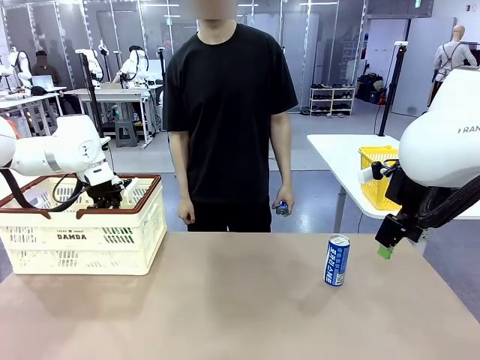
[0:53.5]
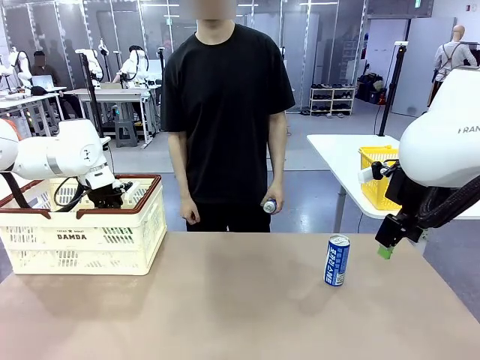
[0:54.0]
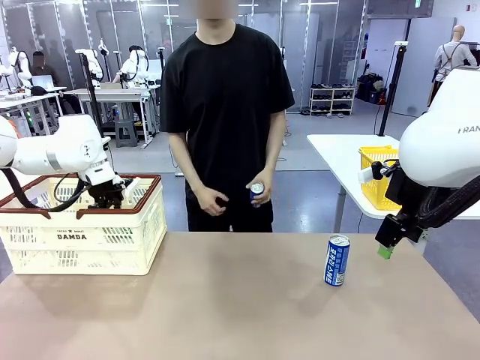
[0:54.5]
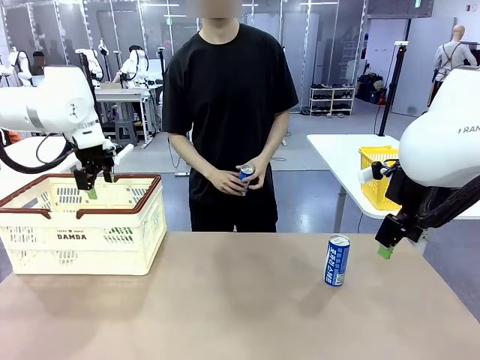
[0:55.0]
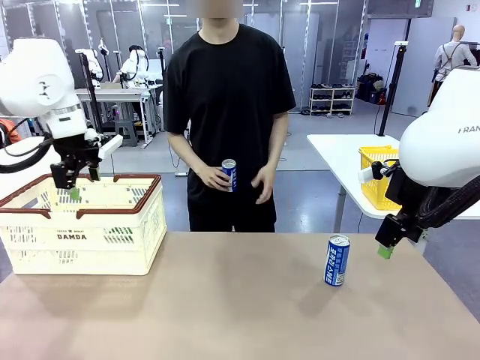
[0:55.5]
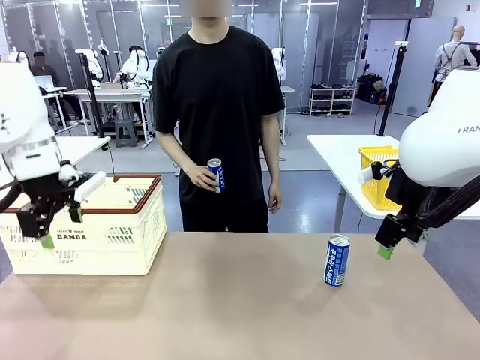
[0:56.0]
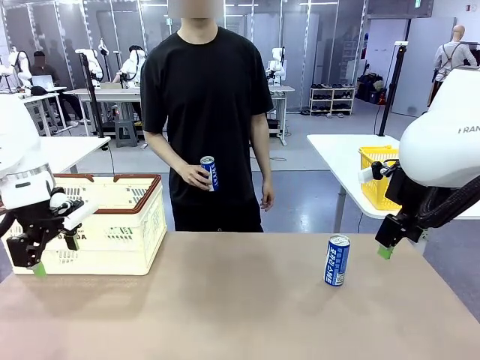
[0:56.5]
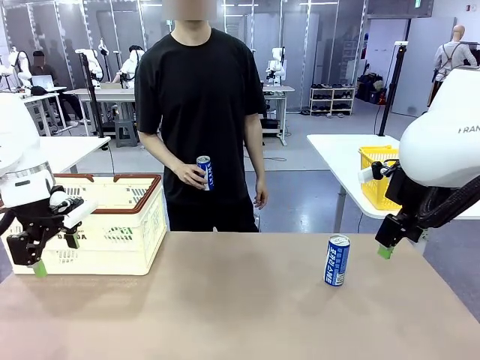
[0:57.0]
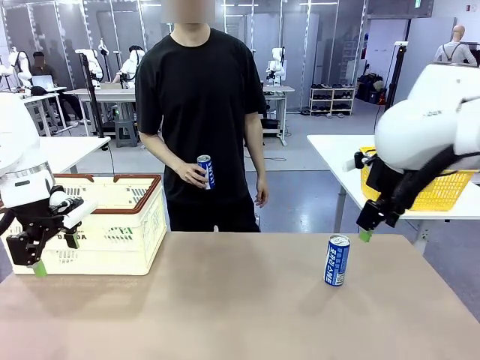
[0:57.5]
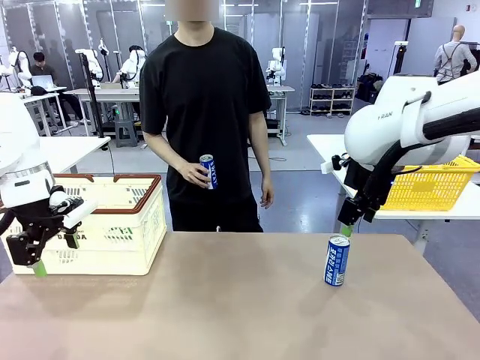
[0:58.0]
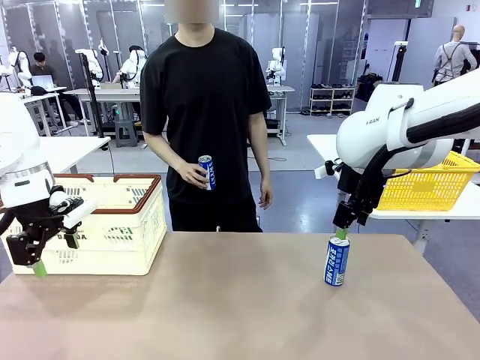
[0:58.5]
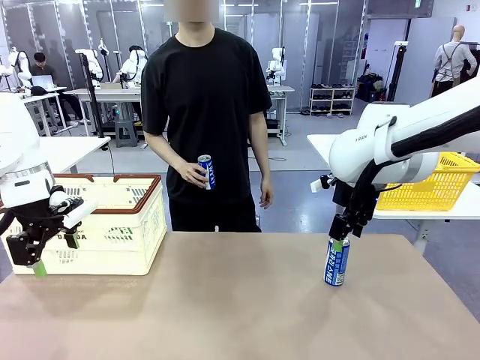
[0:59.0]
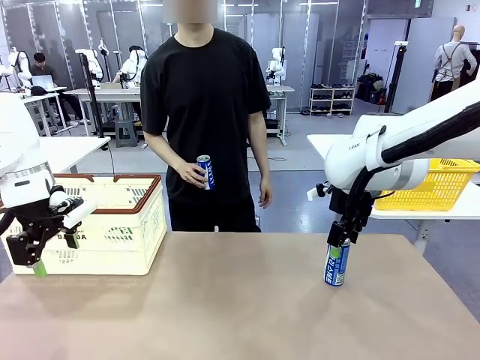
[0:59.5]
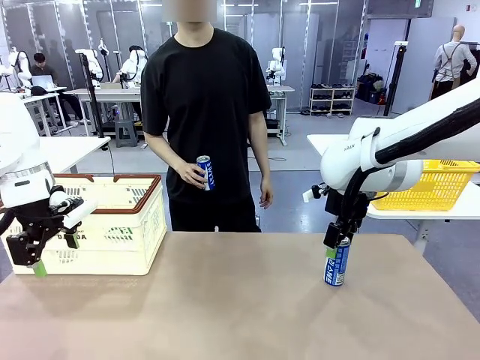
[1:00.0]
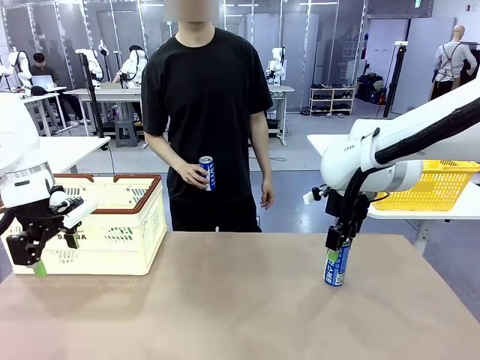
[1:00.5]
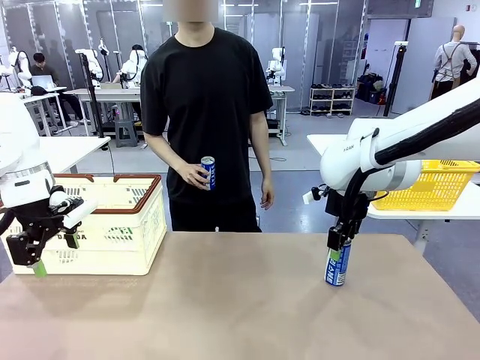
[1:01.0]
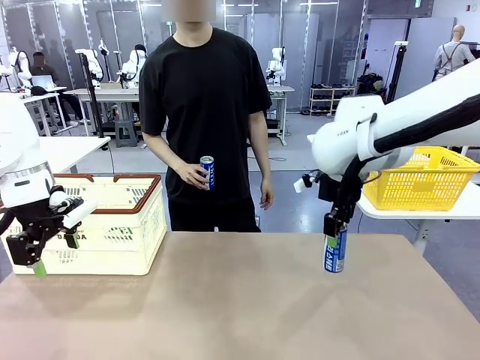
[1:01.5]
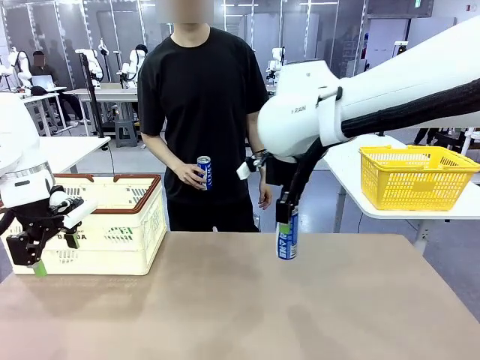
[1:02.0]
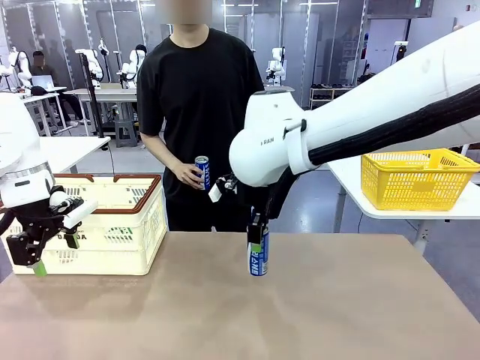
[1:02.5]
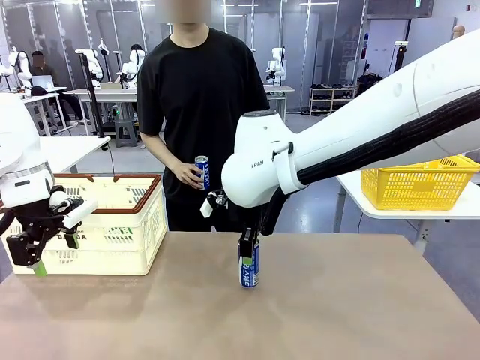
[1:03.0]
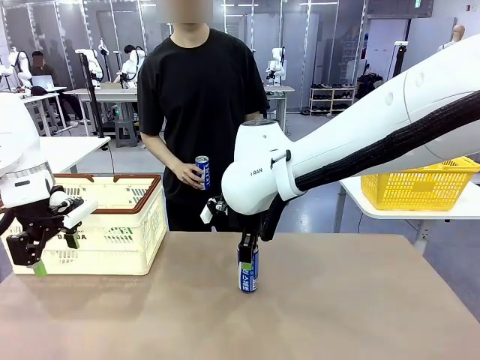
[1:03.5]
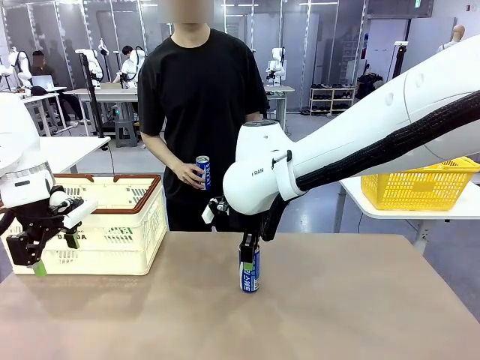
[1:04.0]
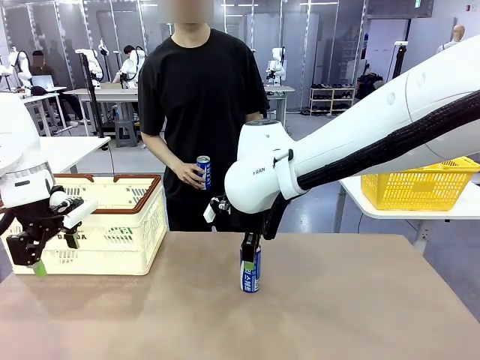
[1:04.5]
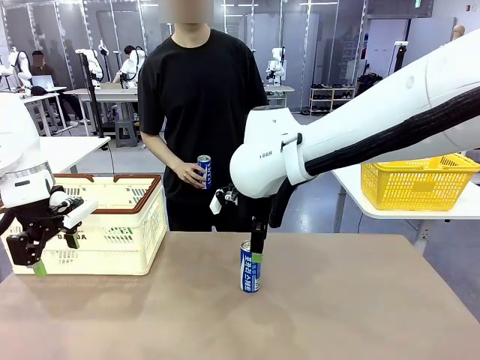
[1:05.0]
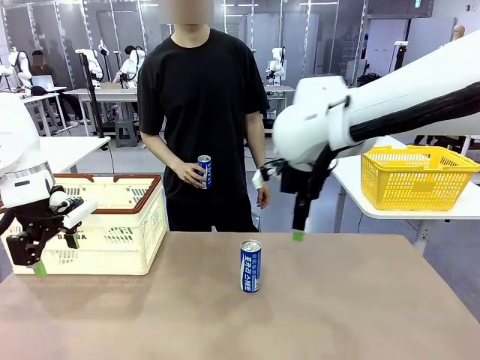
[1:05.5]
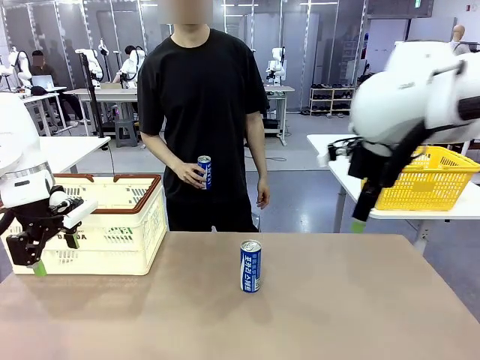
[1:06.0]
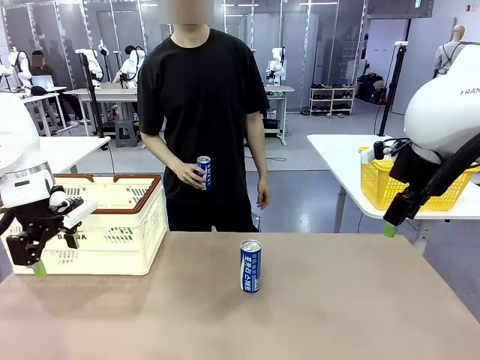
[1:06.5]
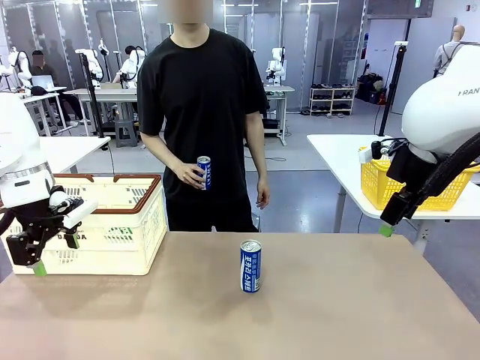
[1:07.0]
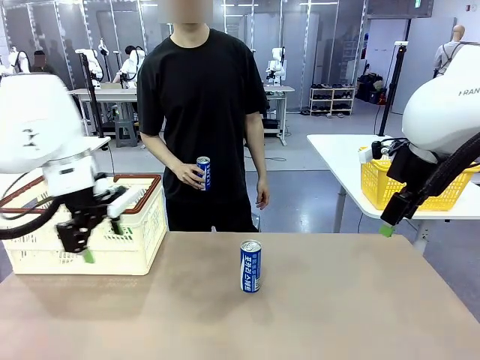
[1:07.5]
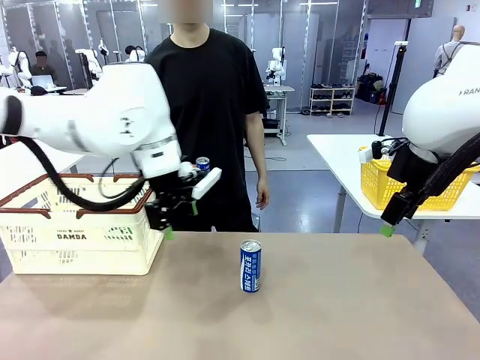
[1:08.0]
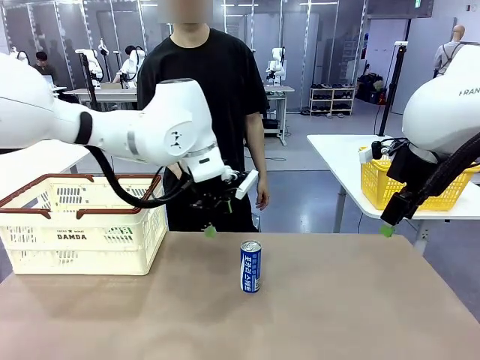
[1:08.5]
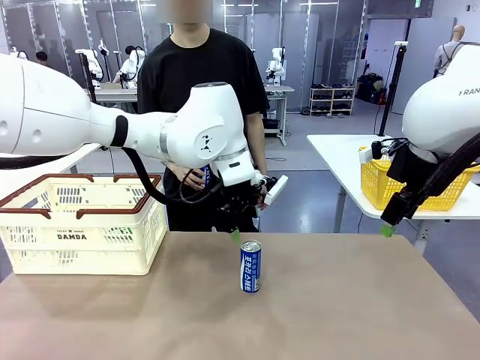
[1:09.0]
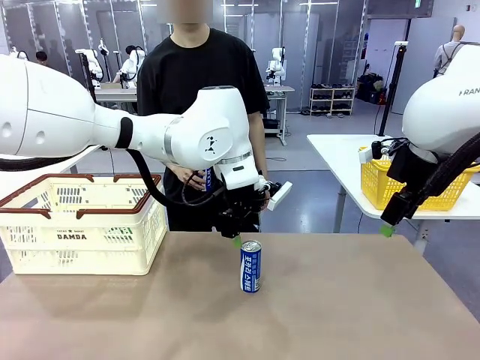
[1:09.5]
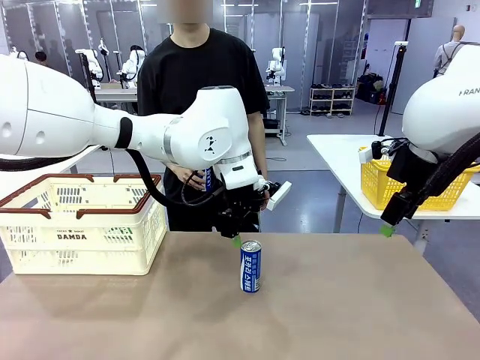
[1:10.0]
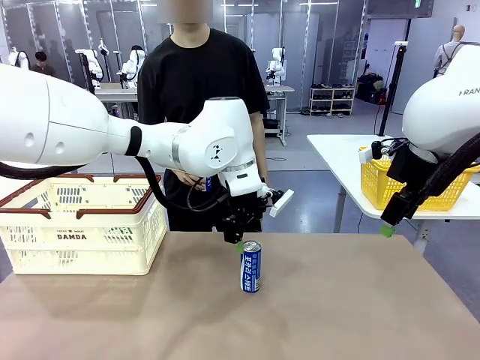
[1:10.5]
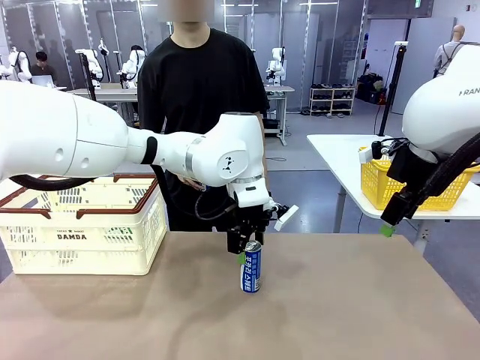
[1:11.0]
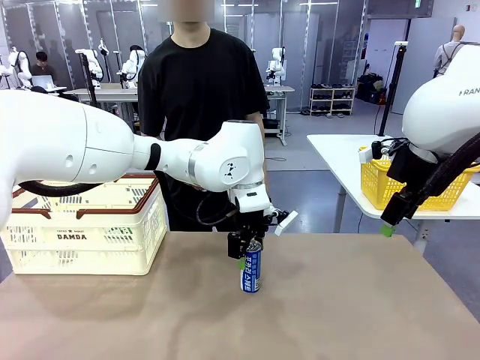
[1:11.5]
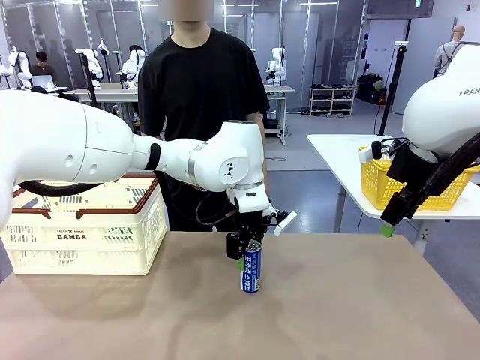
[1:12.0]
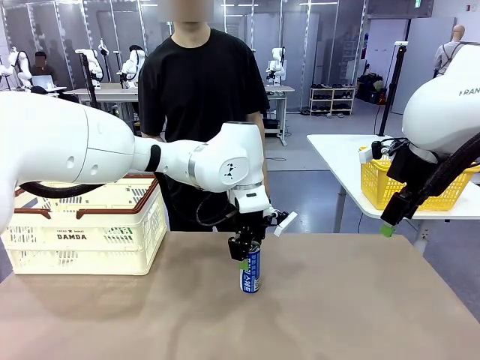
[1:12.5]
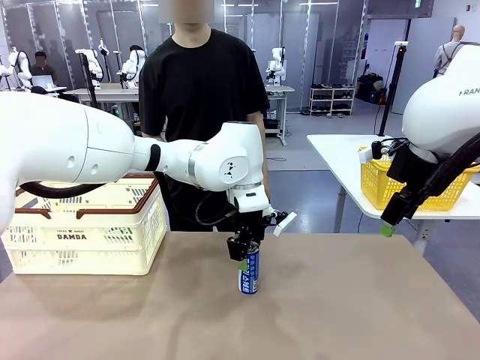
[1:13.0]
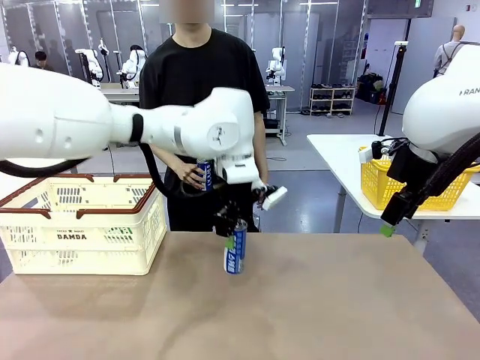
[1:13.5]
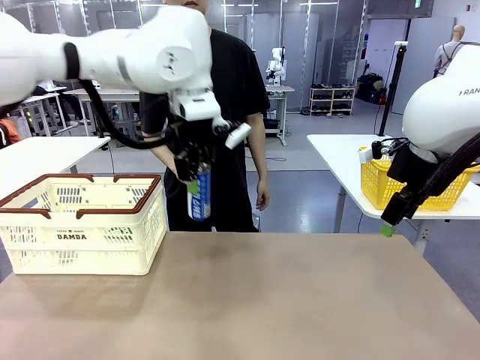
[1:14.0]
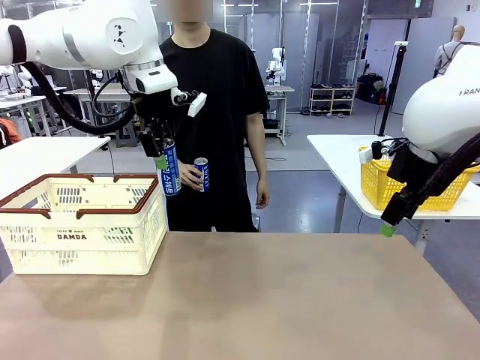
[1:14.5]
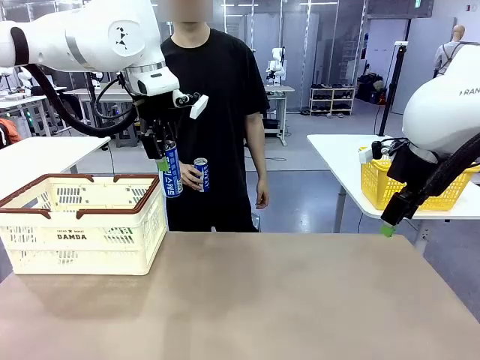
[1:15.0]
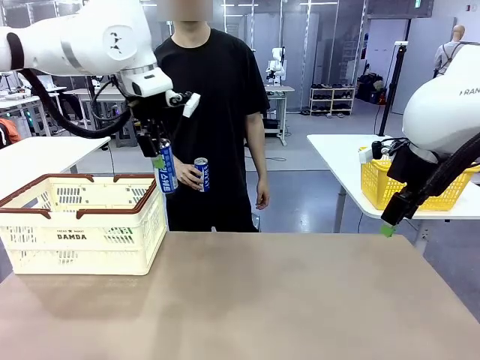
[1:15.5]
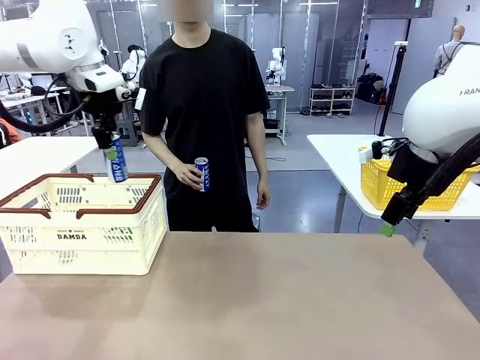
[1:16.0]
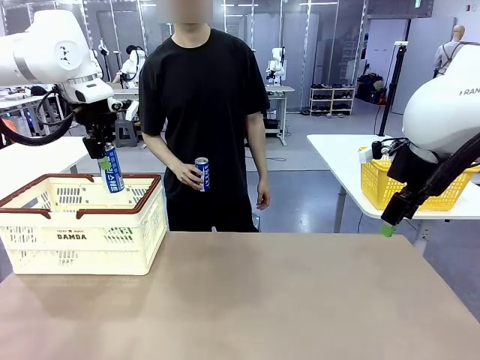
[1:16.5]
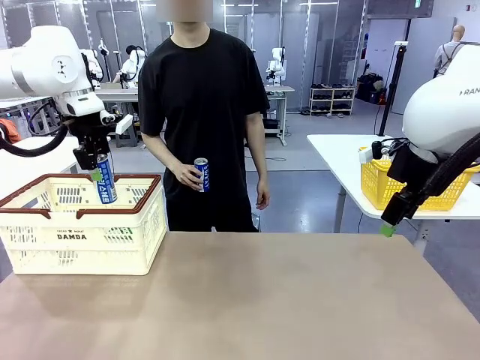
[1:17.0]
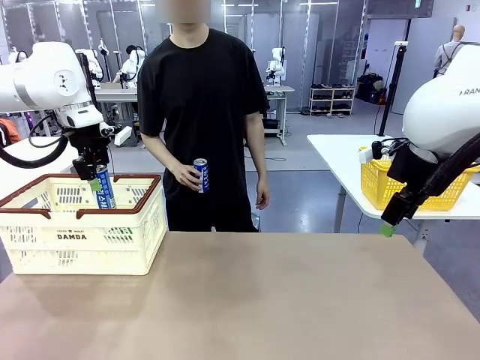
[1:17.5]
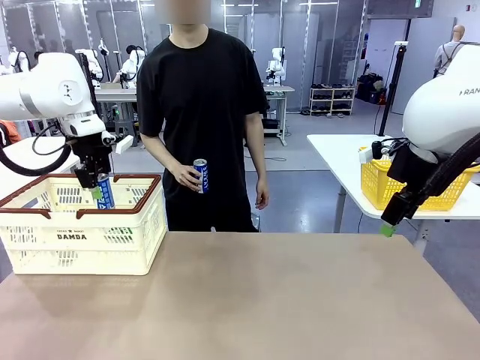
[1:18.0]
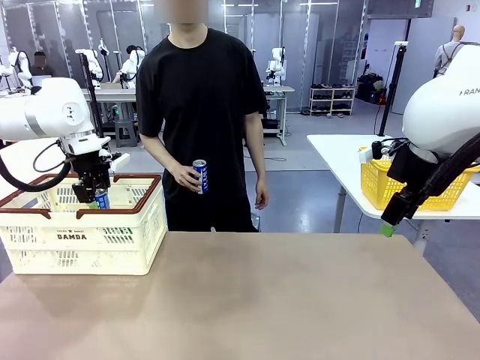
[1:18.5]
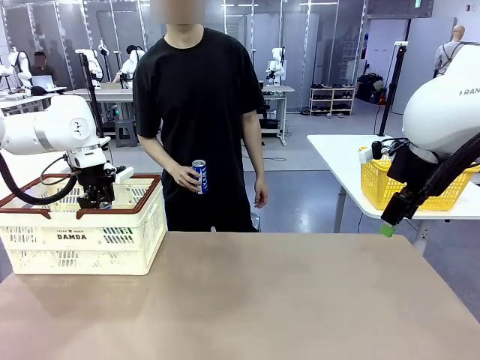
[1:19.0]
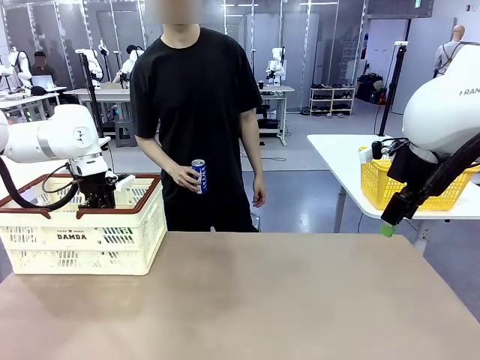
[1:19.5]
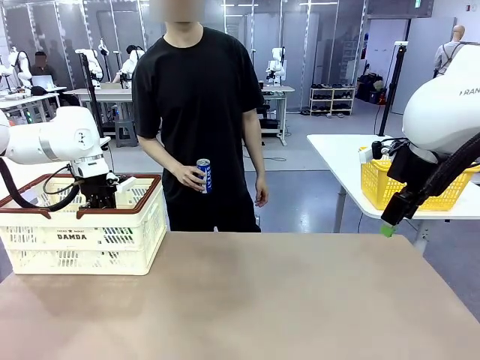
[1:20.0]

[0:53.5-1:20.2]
Task: Place the drinks into the Shopping basket.
Robot: Pick up one drink and place it into the Shopping basket.
